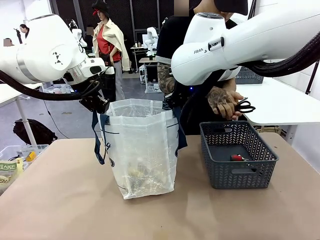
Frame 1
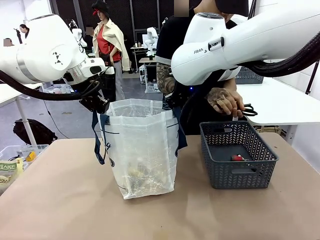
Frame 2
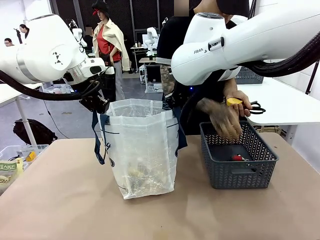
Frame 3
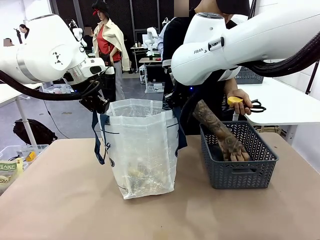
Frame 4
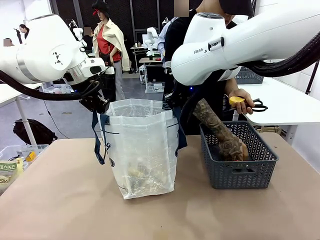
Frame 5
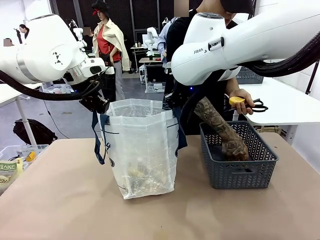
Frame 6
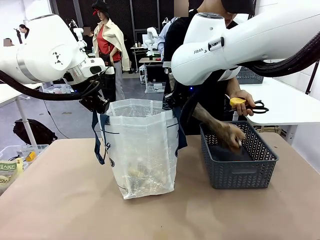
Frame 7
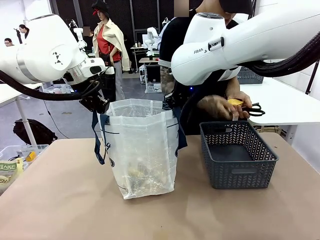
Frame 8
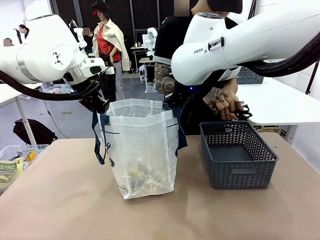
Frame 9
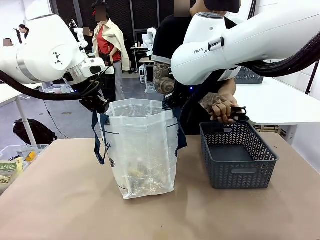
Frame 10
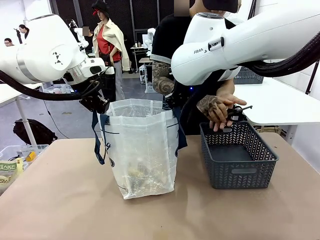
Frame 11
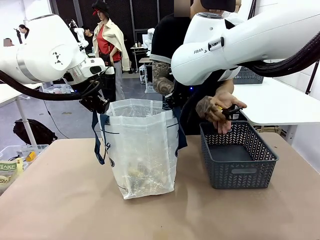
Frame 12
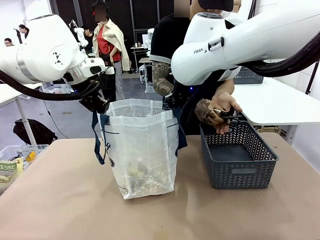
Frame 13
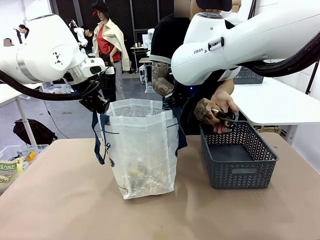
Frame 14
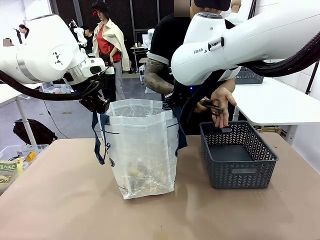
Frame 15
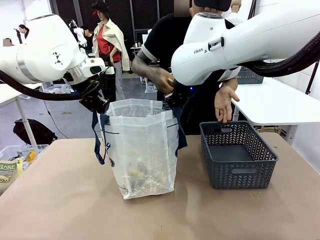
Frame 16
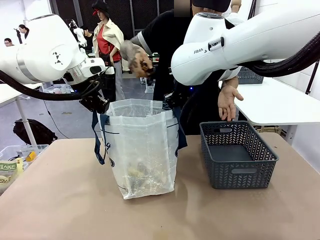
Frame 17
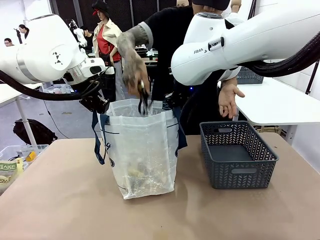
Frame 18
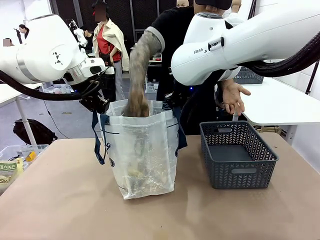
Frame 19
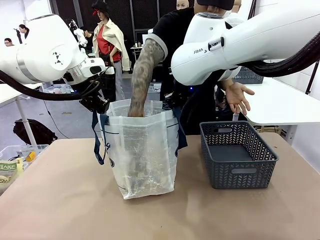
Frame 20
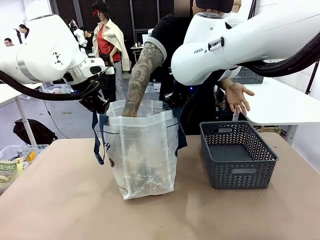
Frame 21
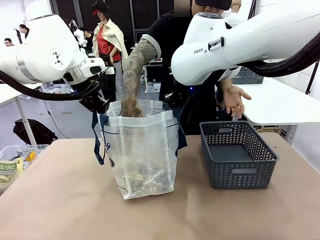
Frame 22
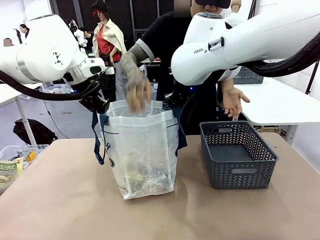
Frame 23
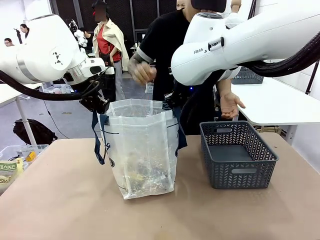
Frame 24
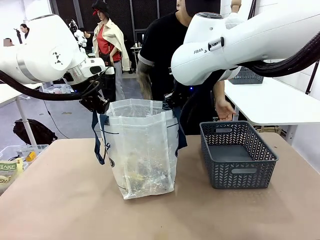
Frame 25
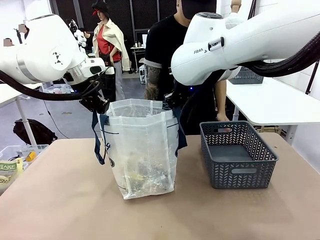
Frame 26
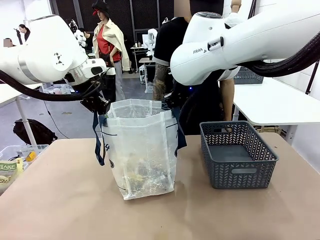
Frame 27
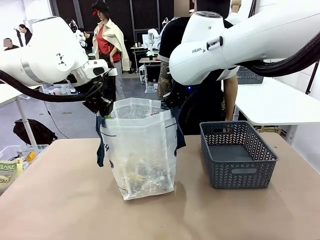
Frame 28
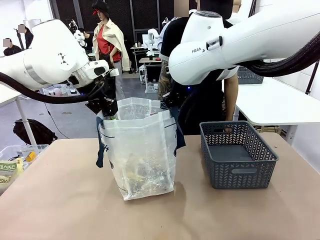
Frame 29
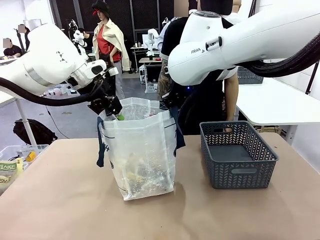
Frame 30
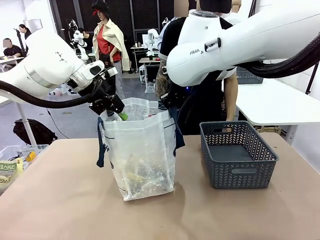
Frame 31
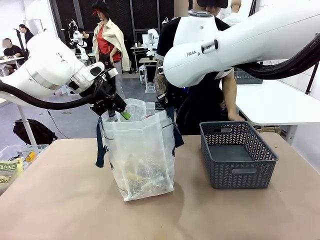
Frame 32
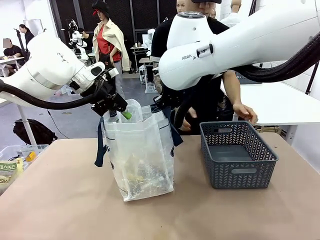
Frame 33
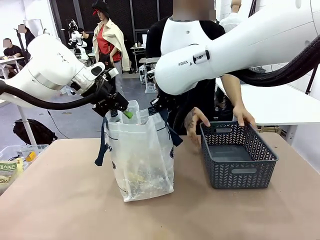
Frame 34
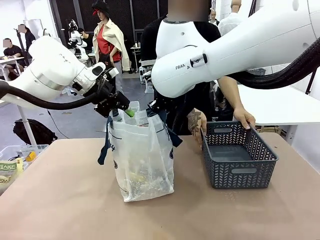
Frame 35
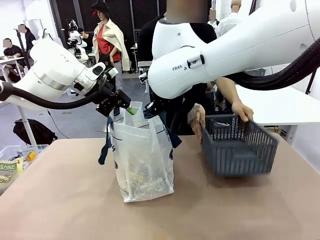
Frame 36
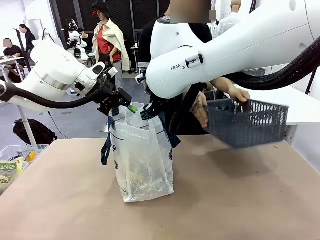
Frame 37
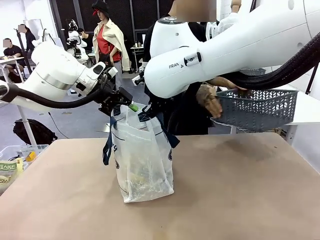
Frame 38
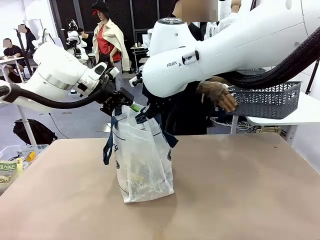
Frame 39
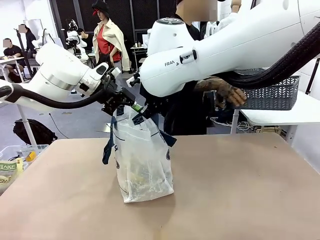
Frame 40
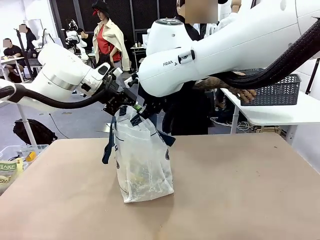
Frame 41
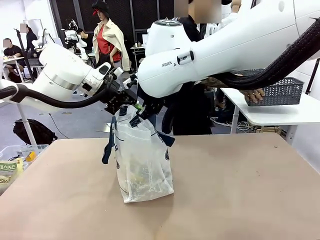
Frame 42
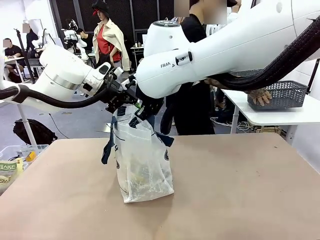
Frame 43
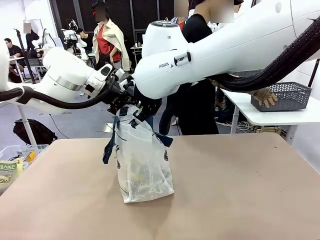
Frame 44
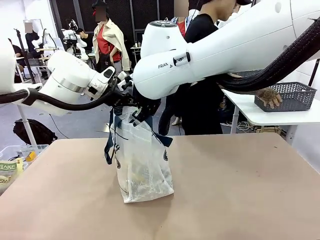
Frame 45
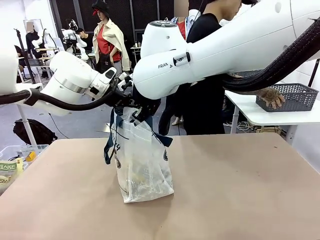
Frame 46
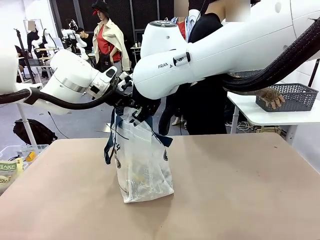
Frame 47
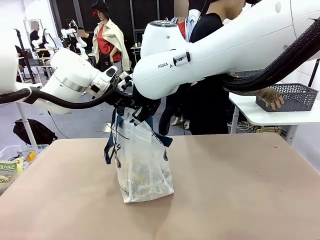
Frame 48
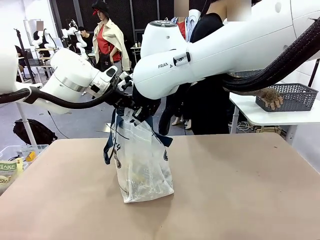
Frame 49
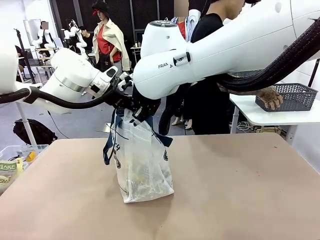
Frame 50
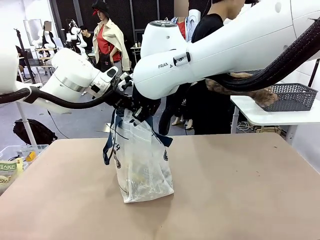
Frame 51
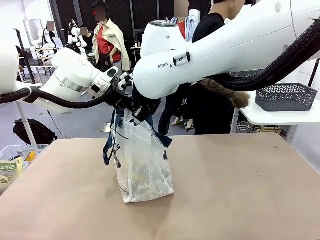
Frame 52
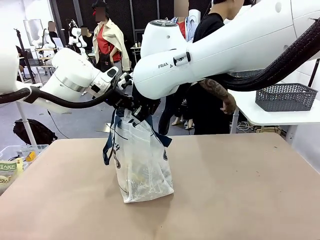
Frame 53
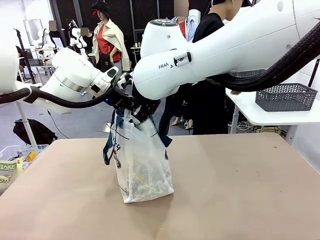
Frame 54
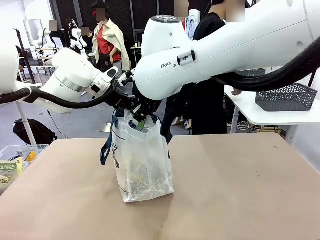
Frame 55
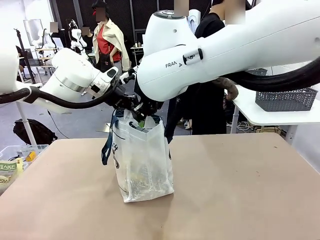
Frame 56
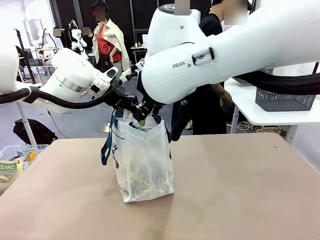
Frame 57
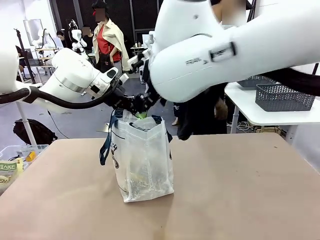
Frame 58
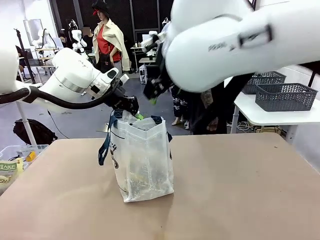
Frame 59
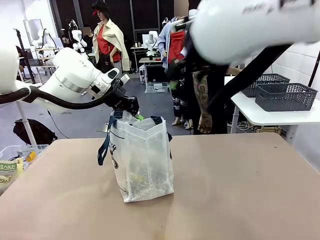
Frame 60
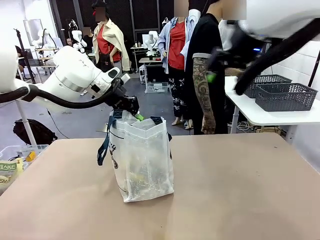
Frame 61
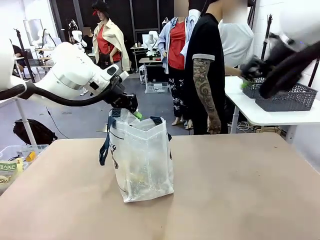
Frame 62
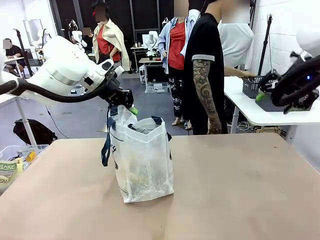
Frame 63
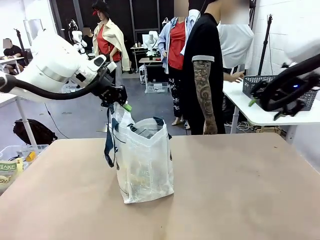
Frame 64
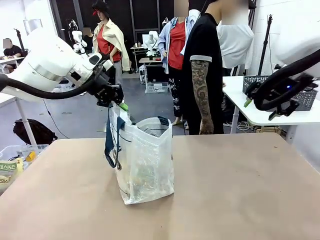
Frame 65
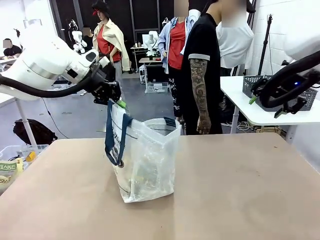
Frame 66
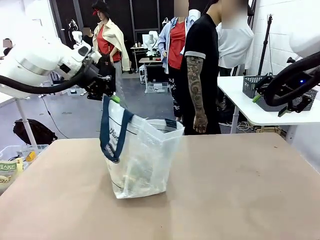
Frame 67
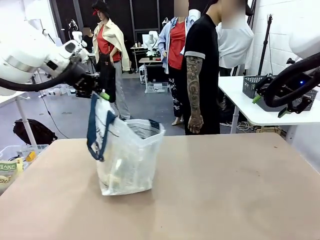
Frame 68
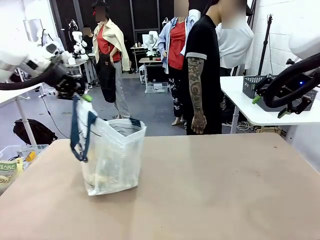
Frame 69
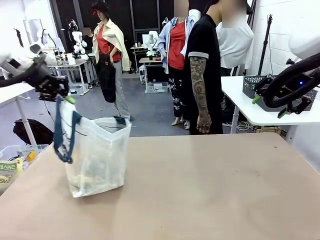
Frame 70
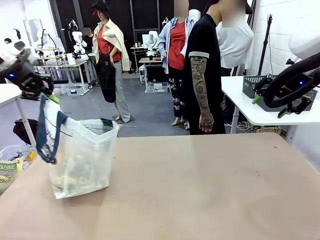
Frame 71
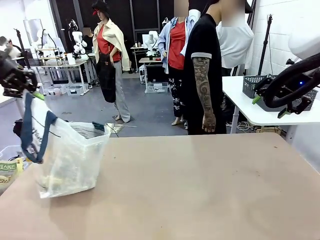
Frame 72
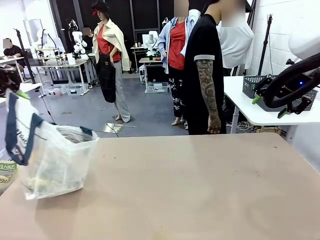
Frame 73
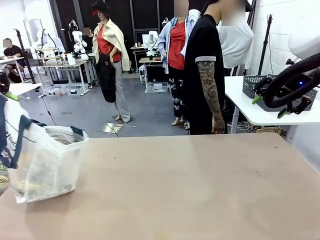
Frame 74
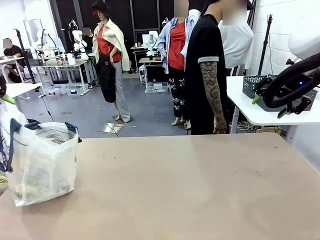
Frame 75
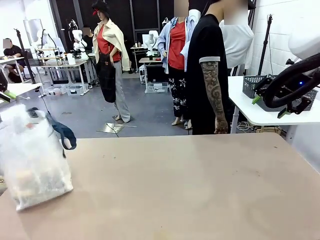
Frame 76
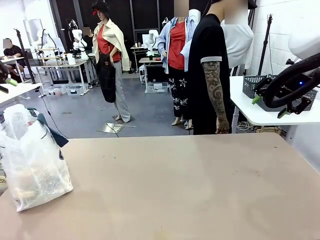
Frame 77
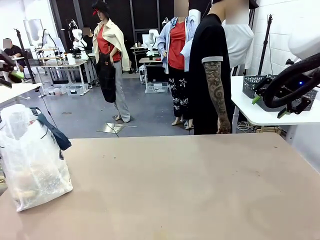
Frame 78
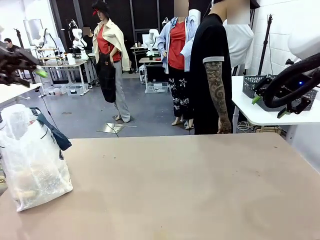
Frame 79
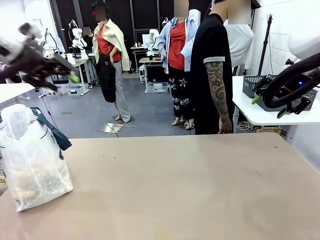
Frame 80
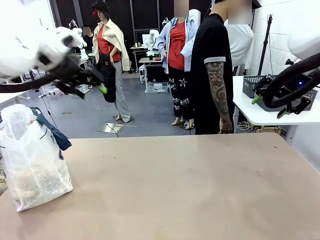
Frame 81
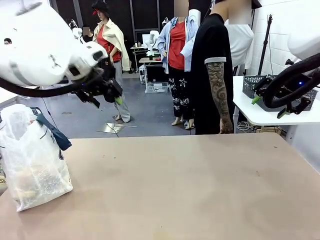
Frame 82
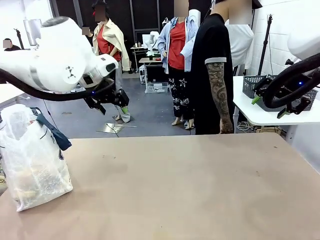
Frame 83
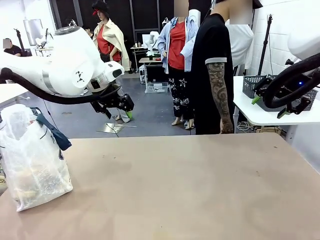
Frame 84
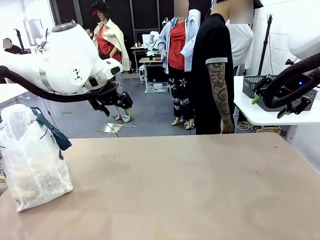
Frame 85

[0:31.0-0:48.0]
Task: Transfer purchased items from the store into the shopping bag.
Robot: Move the Reusable shopping bag to the right side of the table.
Person: Move the basket on the left to the middle of the person's table.

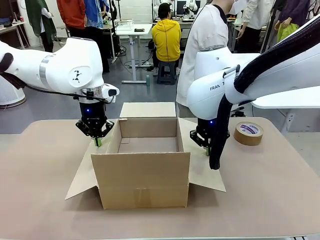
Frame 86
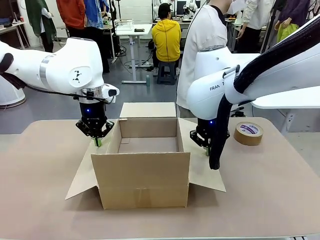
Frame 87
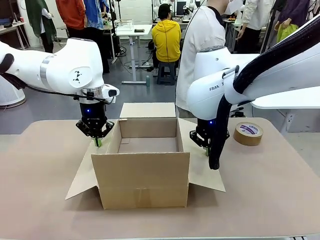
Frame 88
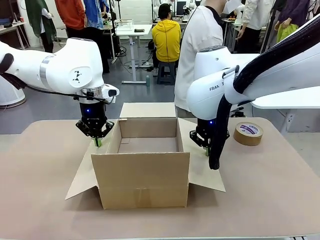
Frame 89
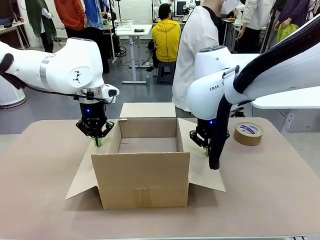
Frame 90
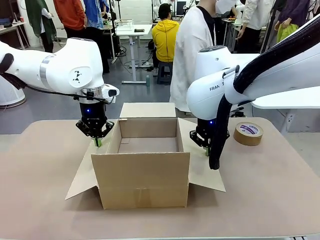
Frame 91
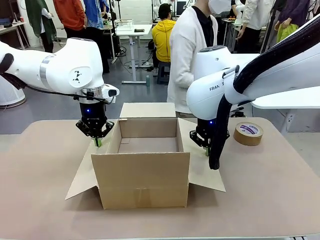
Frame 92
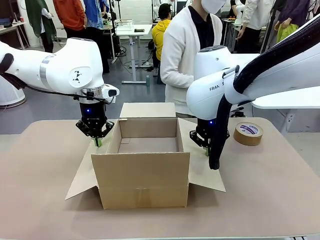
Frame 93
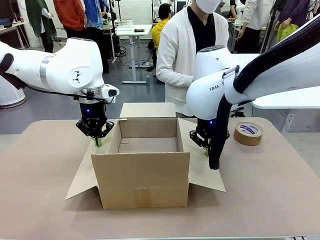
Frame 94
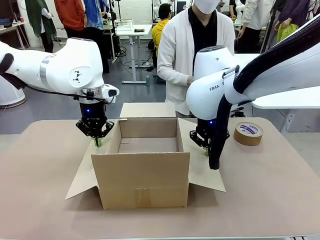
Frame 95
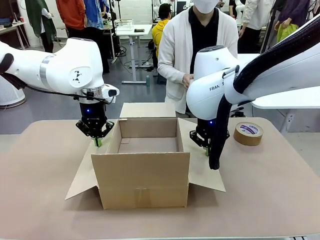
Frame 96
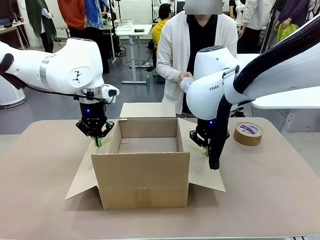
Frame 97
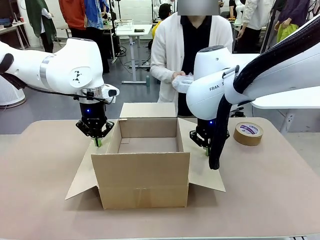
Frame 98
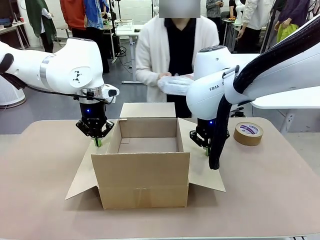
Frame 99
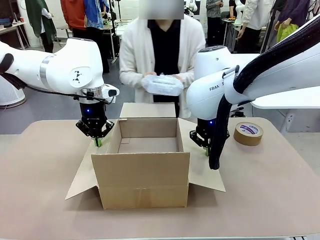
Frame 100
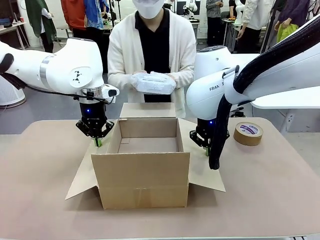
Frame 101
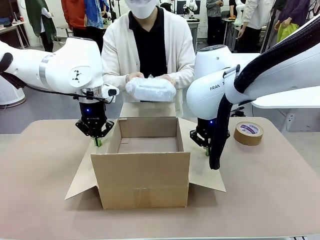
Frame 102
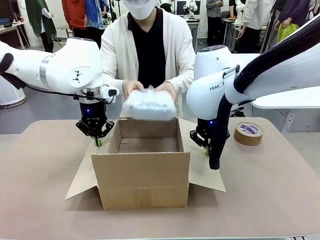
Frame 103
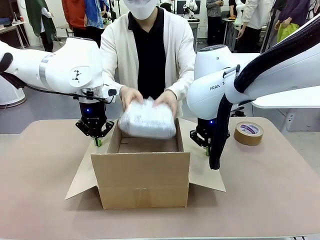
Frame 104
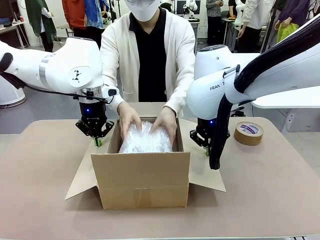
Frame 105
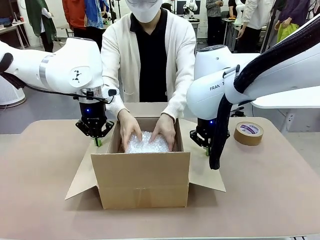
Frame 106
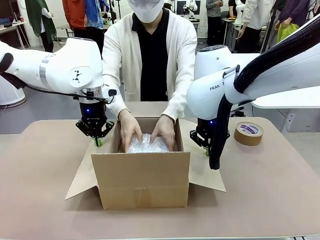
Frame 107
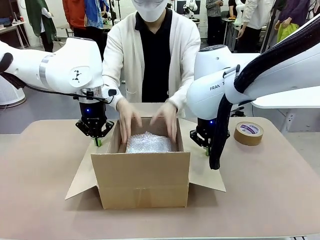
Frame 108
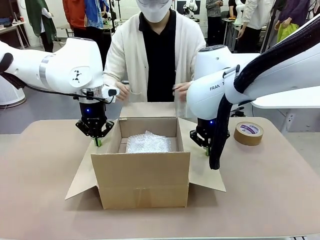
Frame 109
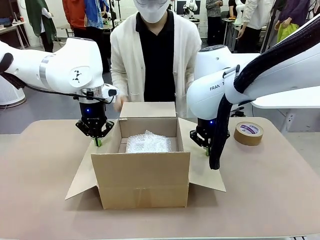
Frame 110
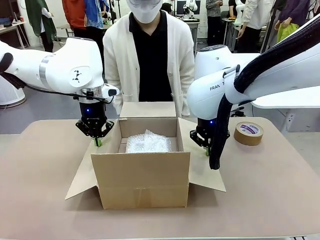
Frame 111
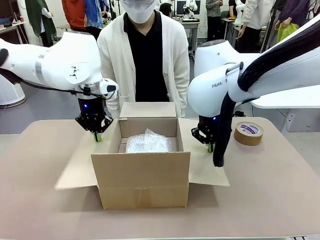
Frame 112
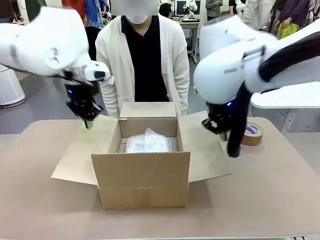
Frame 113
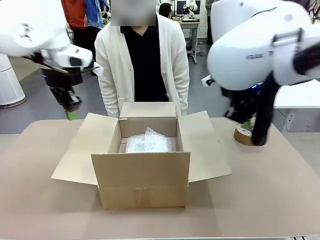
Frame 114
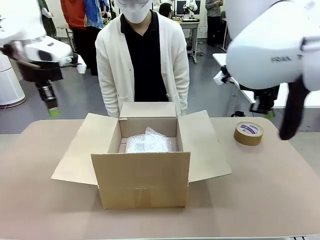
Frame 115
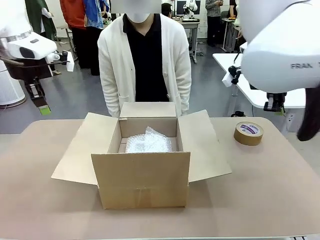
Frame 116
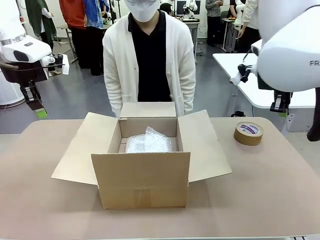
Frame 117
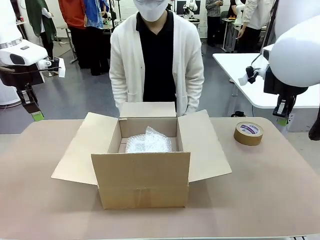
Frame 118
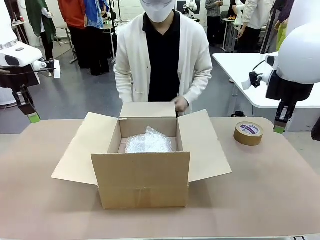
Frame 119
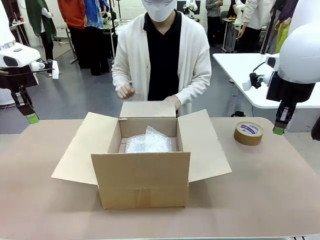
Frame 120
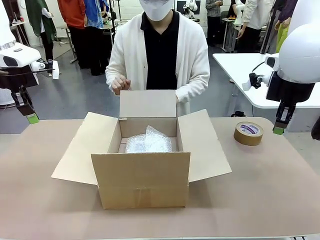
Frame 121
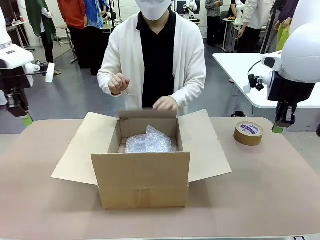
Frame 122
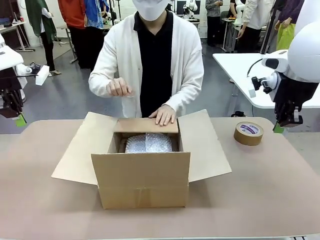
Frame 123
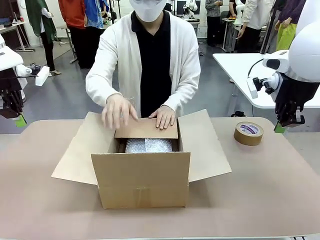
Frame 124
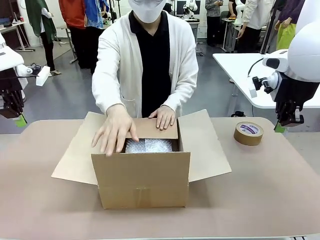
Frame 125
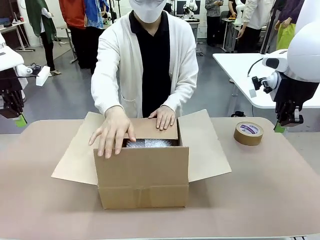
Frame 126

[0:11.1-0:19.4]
Task: Wrap the clocks to prevent damage.
Robot: Once the human has placed the objects inside and stepped back, release both hands from the side flaps of the Package Box.
Person: Place the wrapped Digital clocks inside the Package Box. Hold the top and bottom flaps of the Package Box closed with your left (or right) hand.
